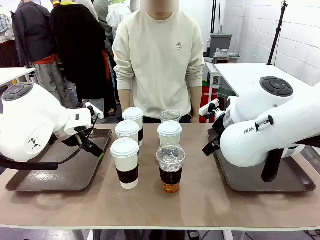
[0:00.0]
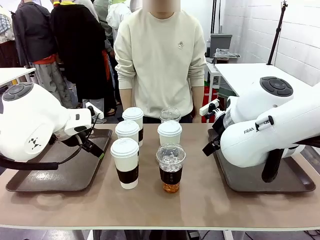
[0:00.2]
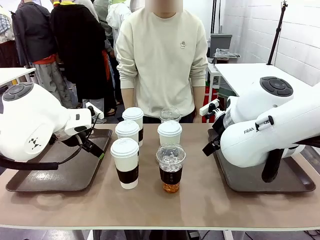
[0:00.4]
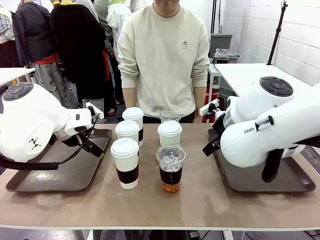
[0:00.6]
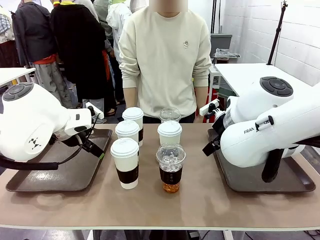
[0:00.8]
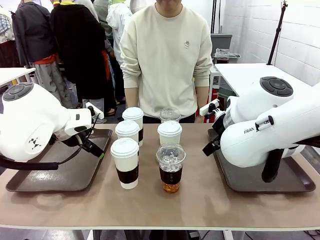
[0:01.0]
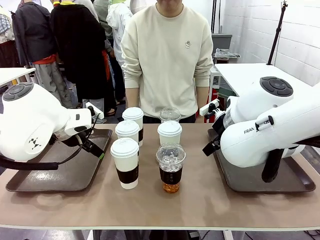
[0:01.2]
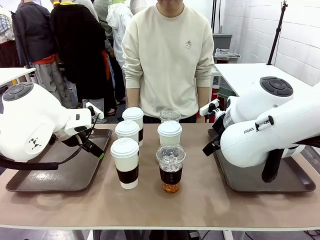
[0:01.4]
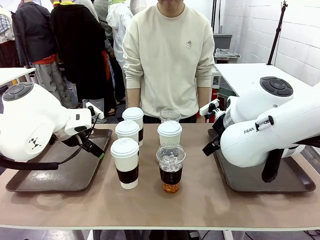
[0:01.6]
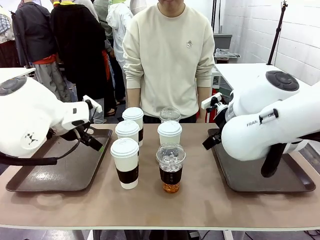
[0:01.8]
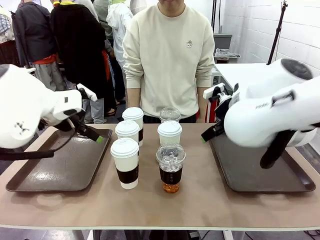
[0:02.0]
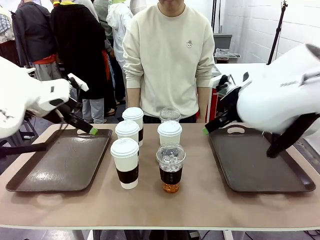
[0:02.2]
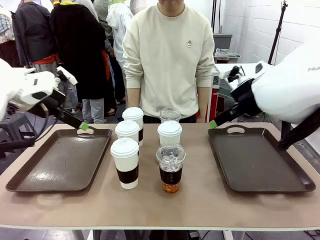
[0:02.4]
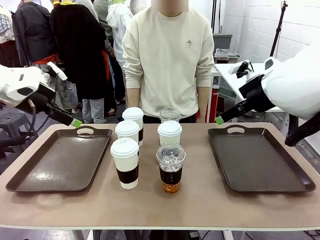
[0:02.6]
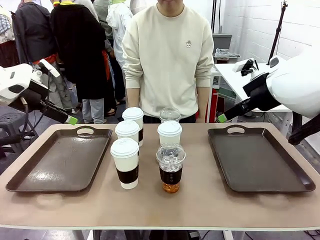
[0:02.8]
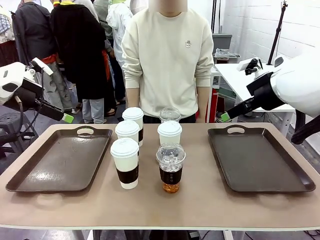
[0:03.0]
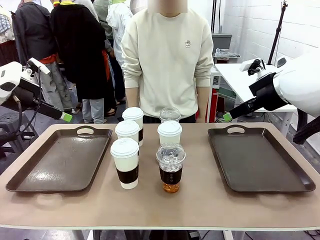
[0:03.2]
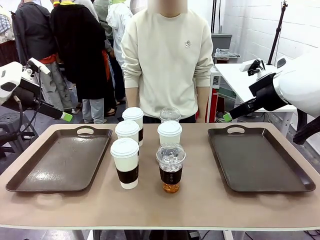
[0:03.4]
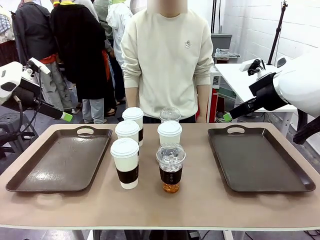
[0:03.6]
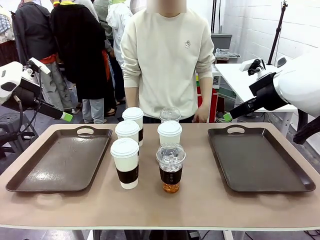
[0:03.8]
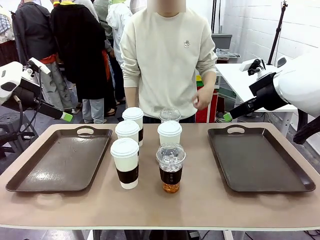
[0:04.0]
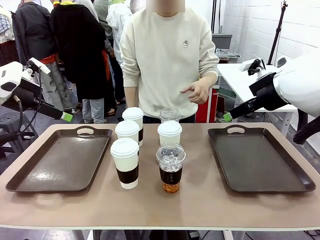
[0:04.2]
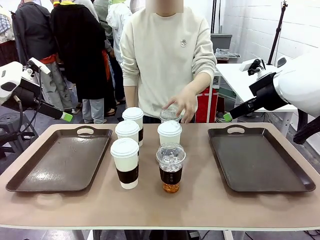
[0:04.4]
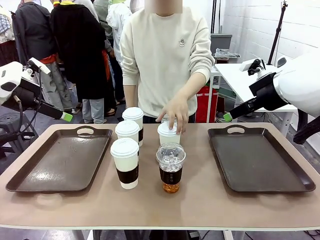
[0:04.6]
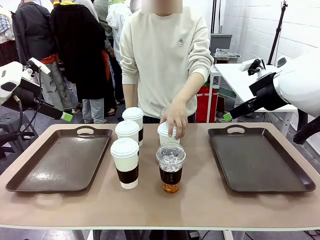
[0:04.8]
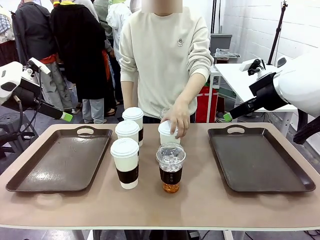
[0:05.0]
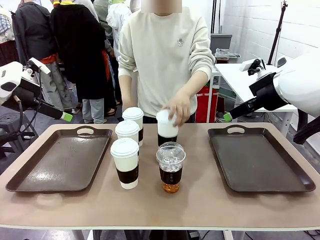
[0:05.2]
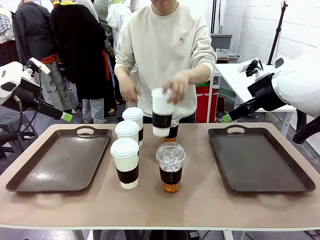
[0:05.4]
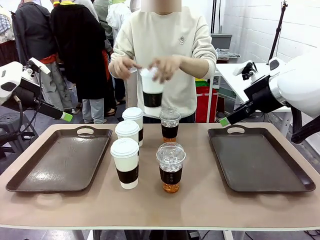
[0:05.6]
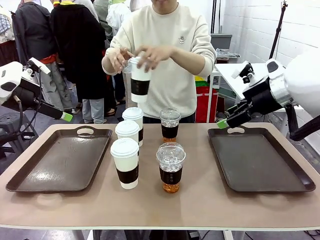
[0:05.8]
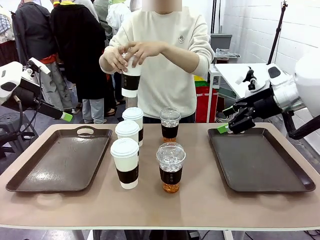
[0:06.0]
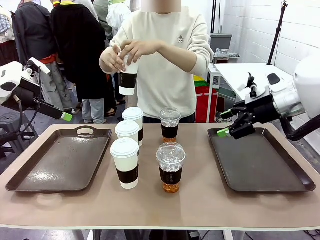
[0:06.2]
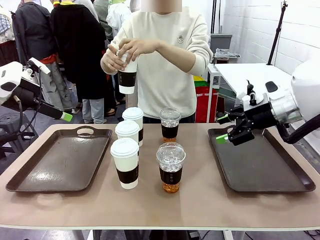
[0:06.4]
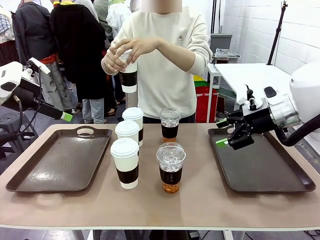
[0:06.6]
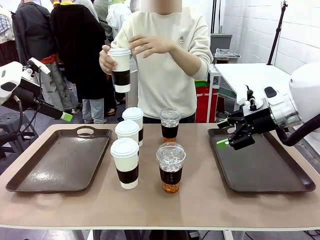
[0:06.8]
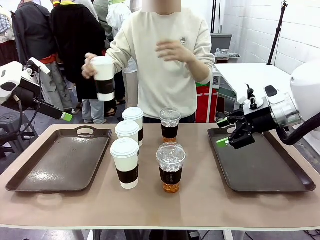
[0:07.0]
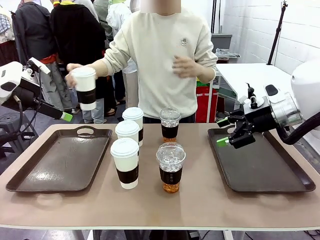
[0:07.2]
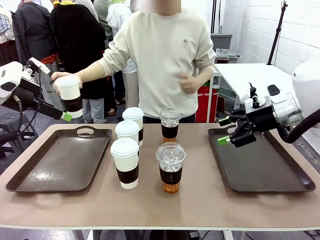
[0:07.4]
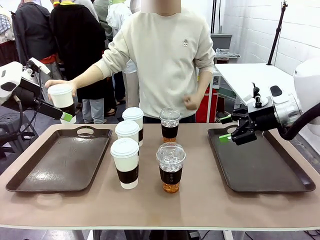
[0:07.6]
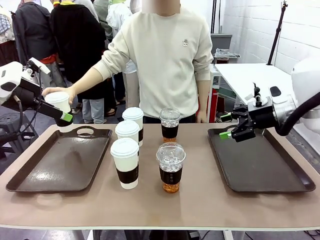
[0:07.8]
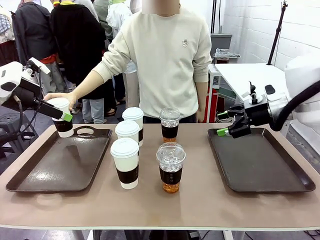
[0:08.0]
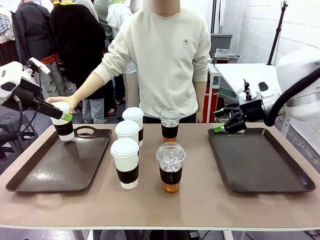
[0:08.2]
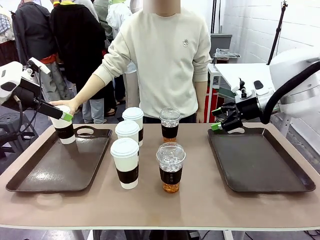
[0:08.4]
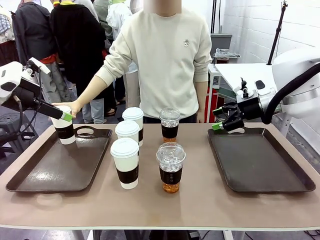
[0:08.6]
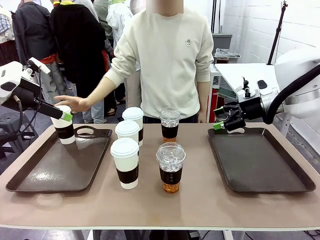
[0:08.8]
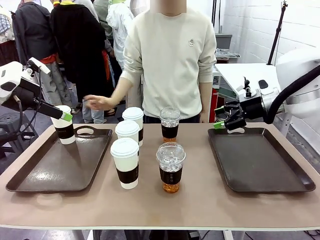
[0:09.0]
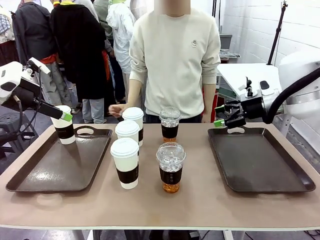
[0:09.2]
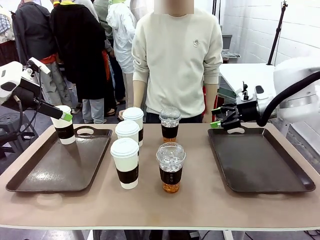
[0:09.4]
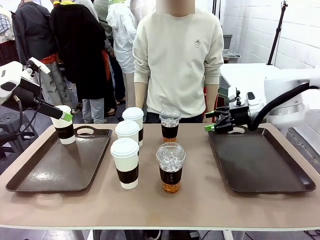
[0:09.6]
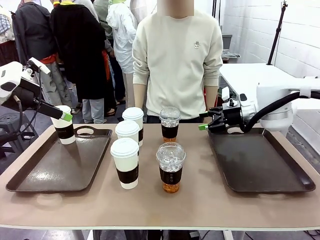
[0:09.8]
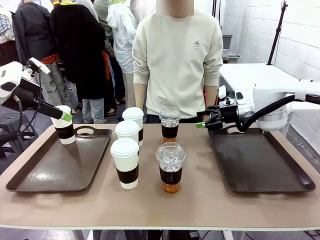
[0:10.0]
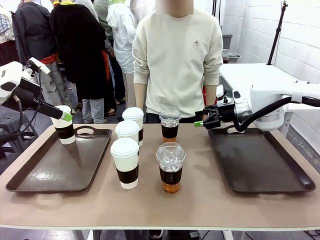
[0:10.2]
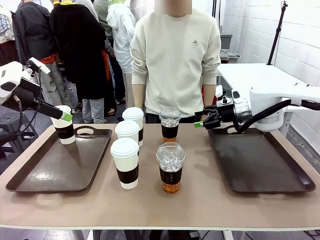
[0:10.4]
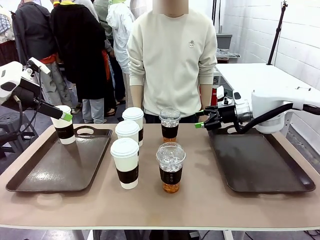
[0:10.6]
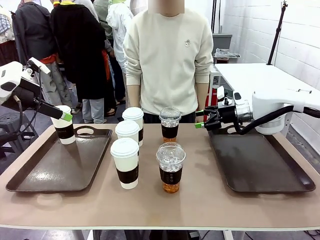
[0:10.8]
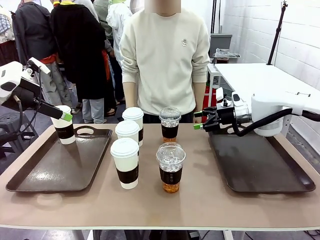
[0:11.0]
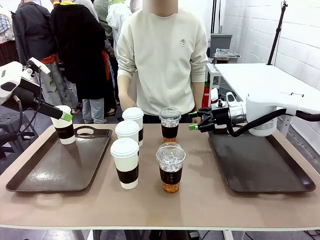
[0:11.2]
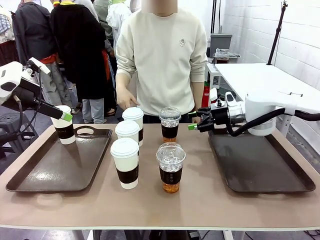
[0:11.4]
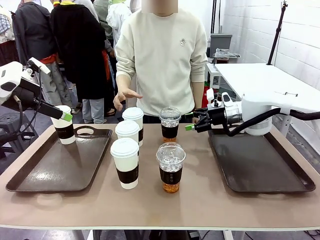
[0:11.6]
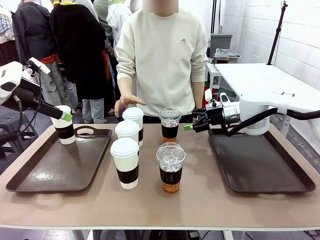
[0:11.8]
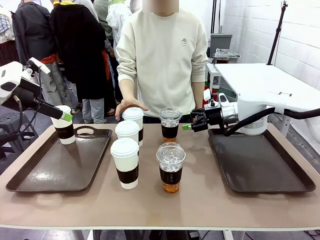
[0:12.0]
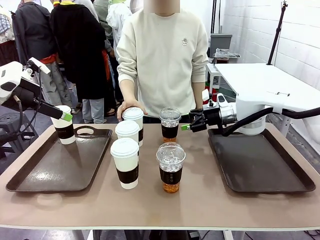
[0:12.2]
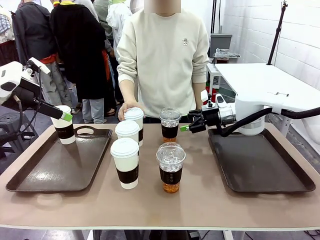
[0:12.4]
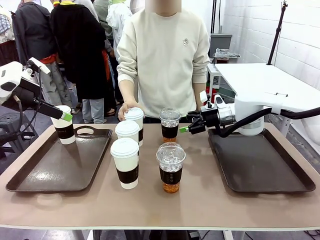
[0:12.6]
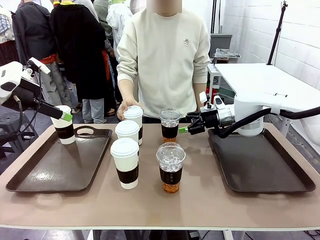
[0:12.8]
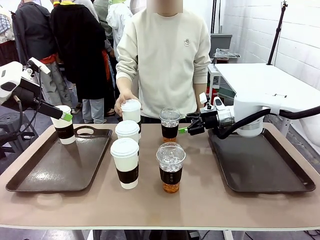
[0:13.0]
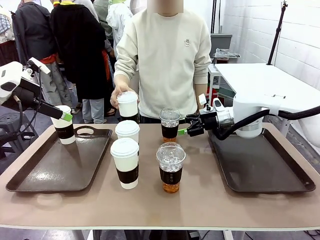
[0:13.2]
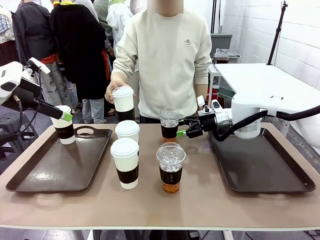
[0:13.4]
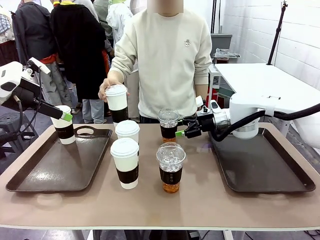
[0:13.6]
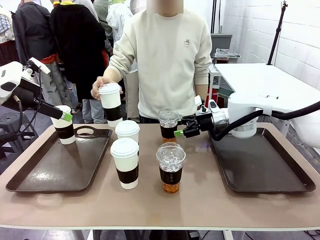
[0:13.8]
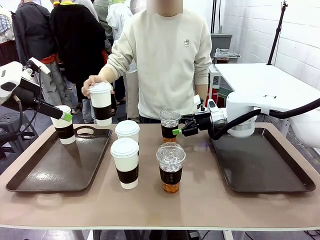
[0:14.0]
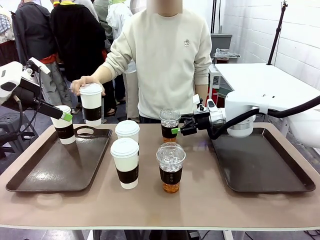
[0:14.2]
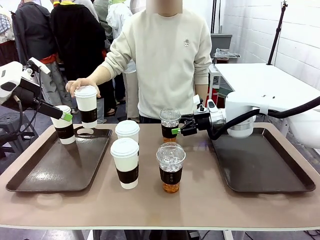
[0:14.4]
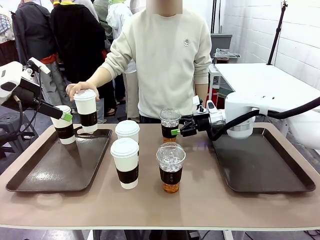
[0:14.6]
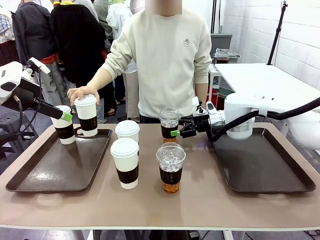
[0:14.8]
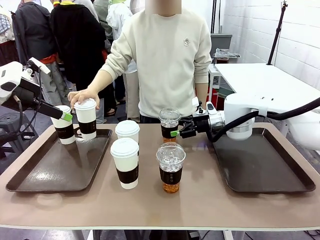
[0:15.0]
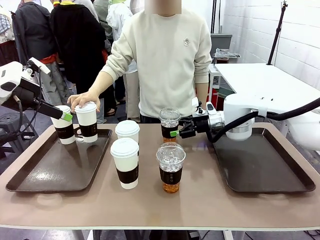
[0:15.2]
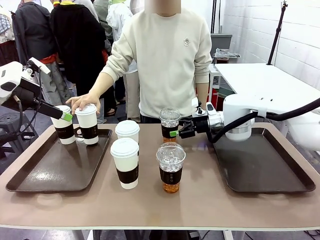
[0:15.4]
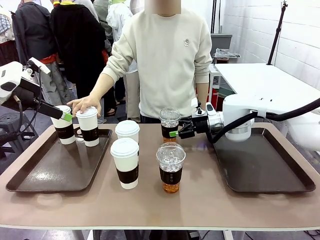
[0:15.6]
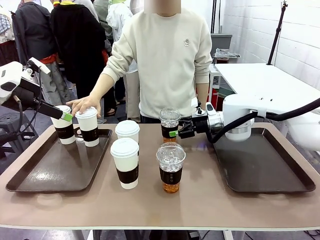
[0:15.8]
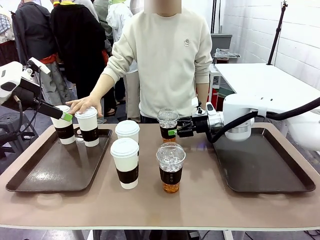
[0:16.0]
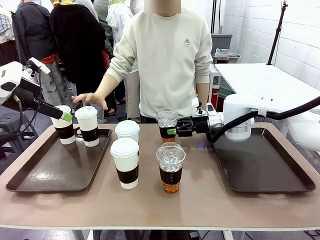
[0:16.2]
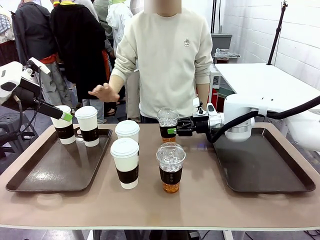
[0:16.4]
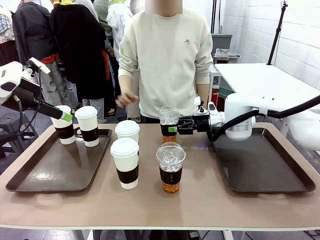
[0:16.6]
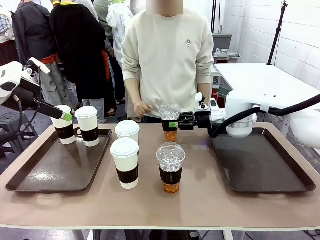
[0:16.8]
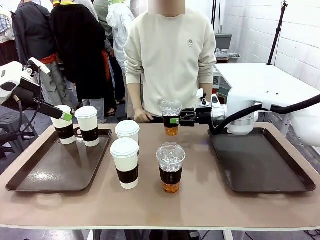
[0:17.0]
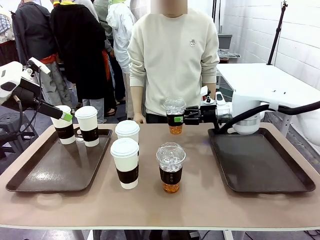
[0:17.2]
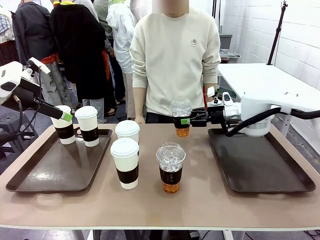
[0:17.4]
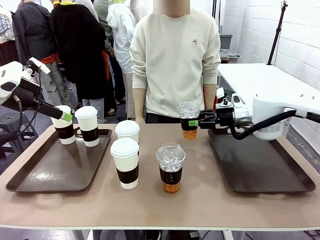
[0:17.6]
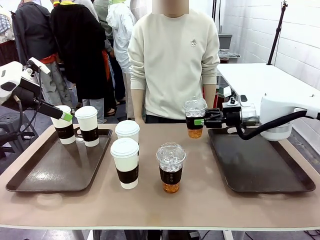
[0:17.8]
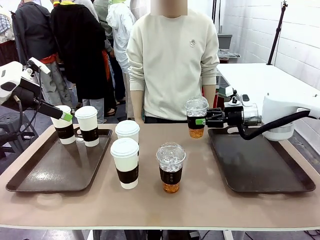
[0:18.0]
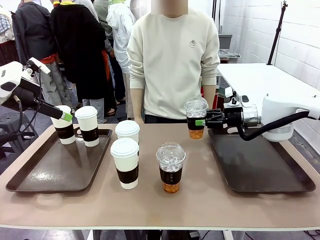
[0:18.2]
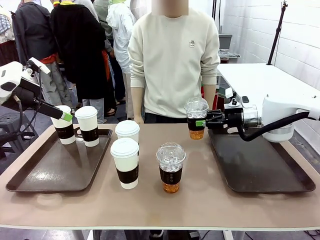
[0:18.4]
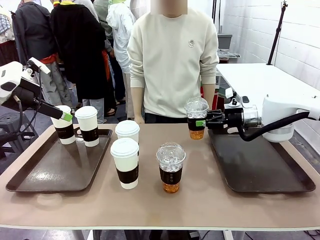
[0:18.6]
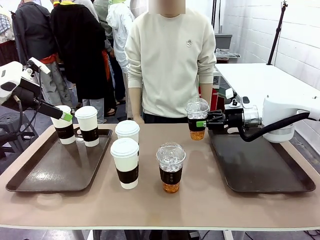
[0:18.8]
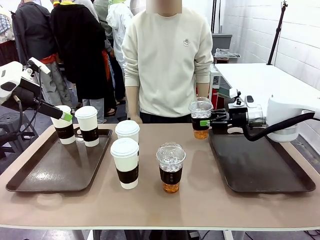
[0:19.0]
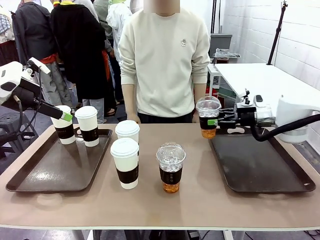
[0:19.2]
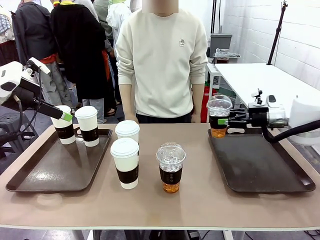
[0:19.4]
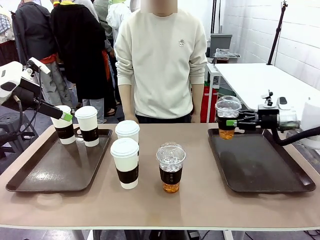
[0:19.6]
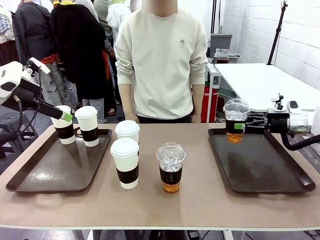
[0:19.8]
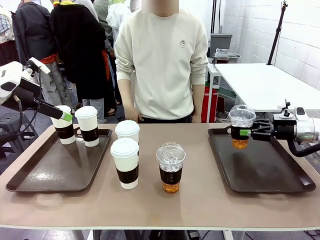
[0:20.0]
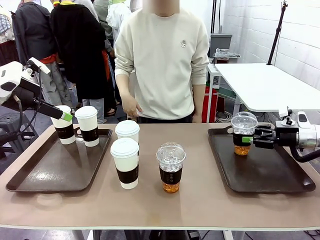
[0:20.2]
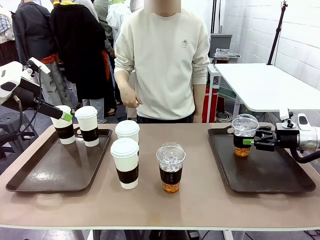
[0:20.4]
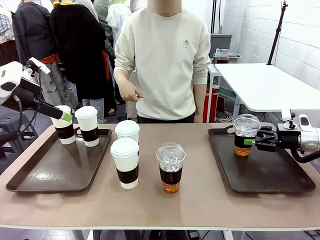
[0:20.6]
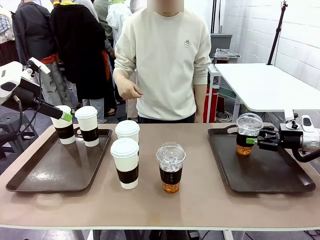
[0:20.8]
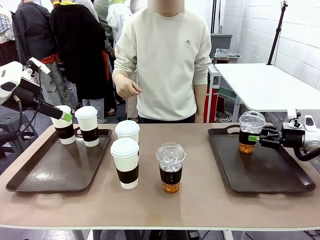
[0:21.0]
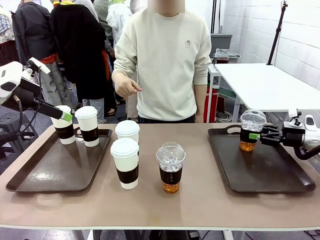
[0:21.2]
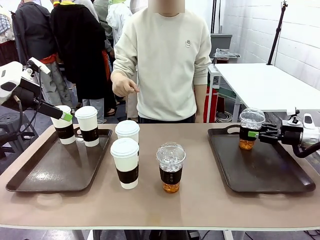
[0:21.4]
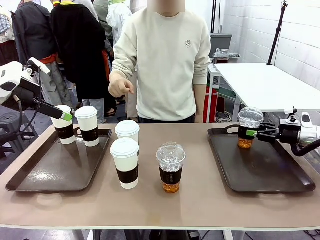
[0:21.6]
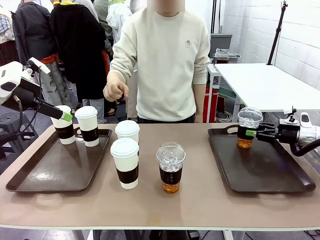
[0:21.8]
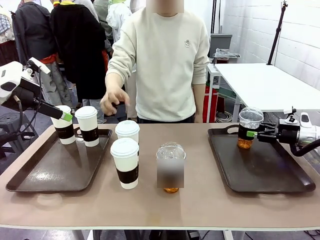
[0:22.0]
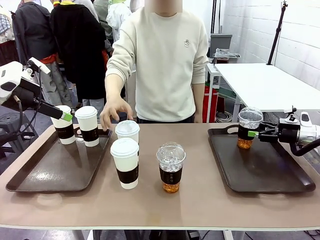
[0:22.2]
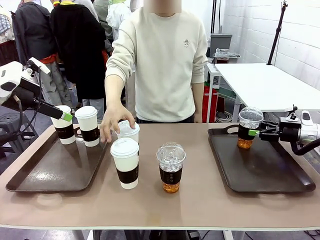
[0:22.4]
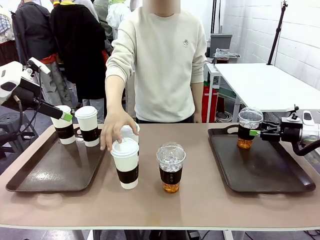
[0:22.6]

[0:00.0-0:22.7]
Task: Distribute the coffee onto the tray.
Robot: Pick up one iced Americano and place it on the right Handle tray.
Person: Pick up a cup of hot Americano and place it on the right tray.
